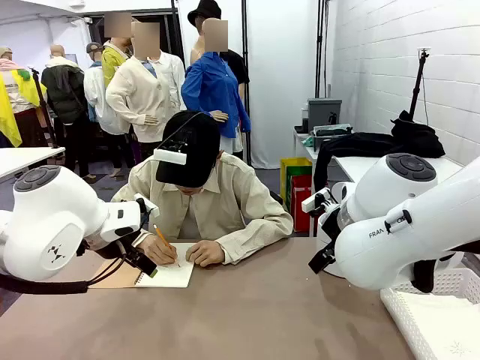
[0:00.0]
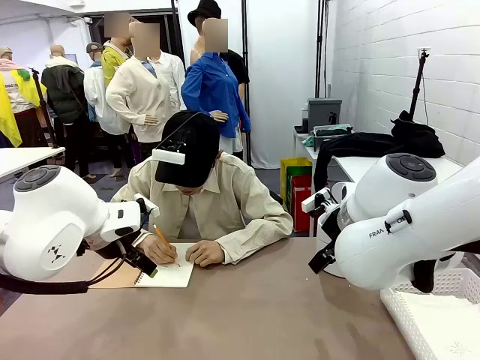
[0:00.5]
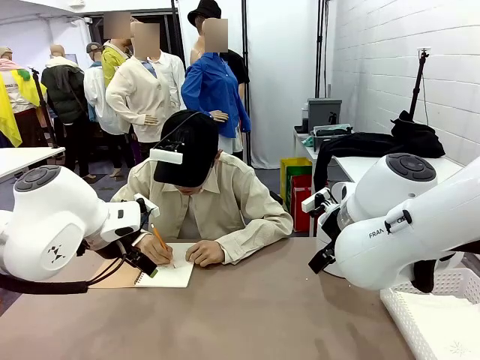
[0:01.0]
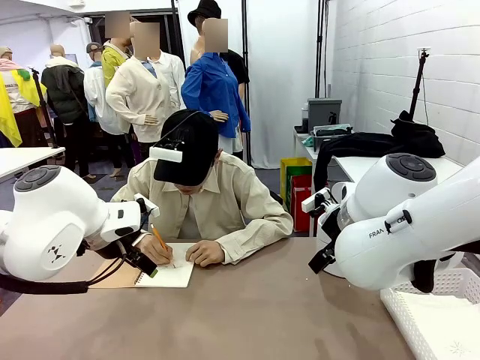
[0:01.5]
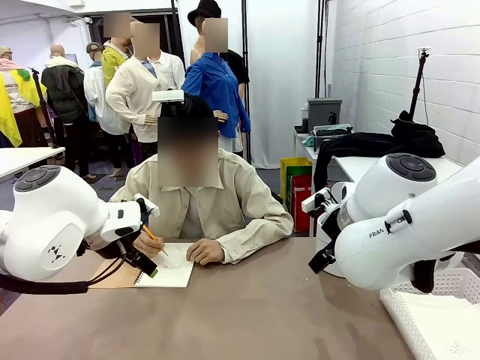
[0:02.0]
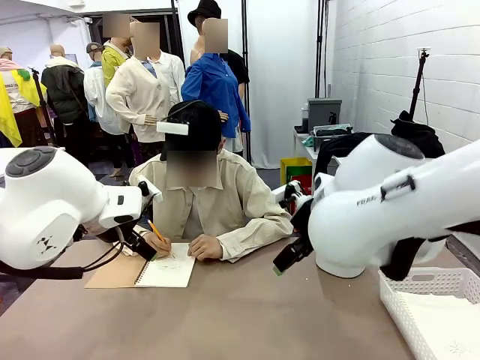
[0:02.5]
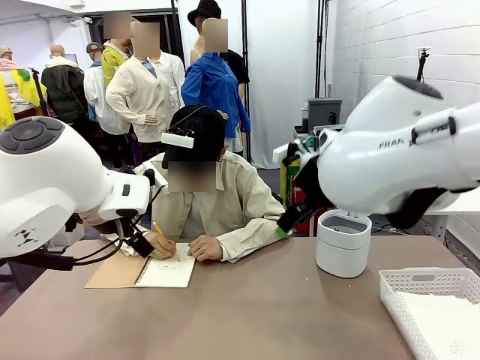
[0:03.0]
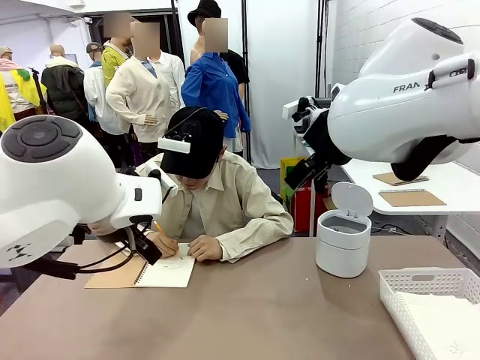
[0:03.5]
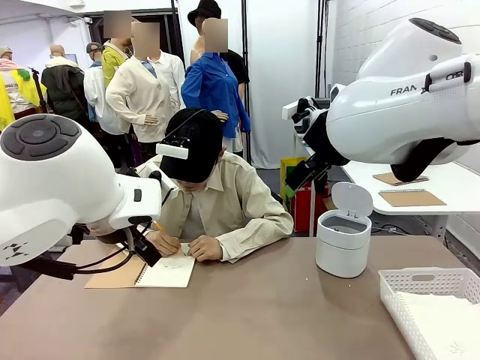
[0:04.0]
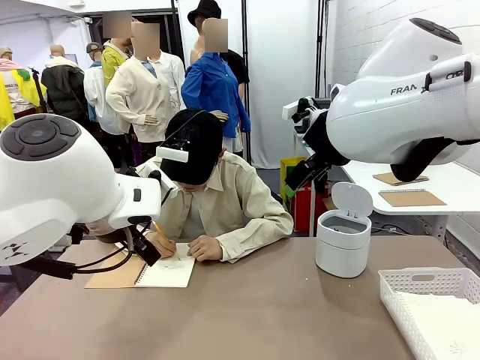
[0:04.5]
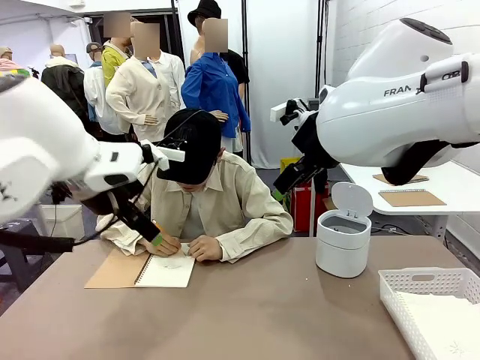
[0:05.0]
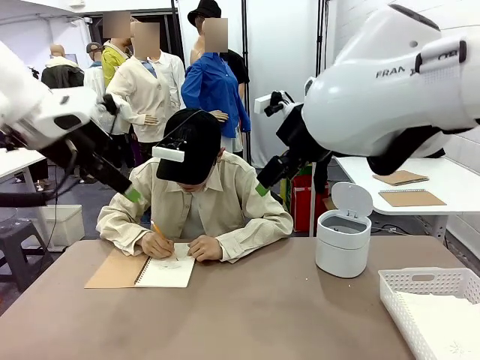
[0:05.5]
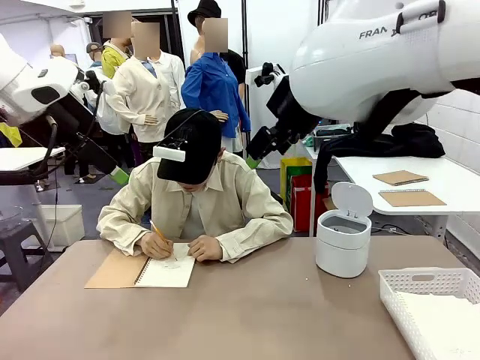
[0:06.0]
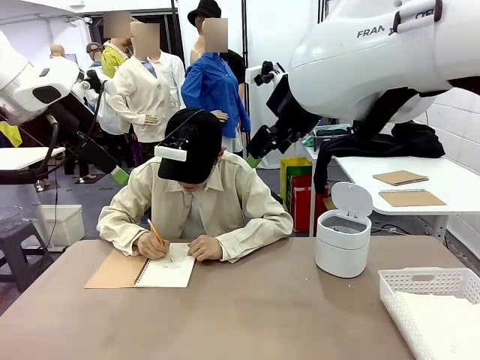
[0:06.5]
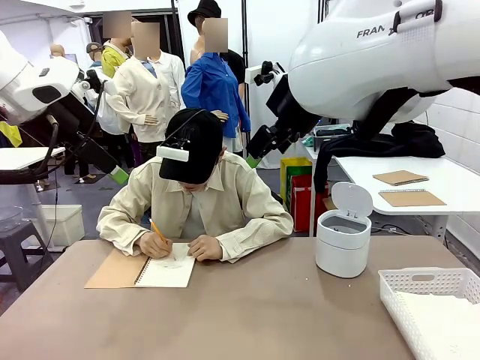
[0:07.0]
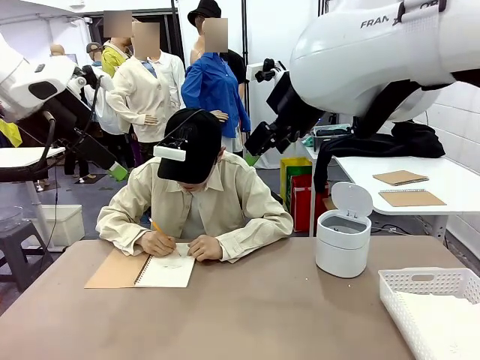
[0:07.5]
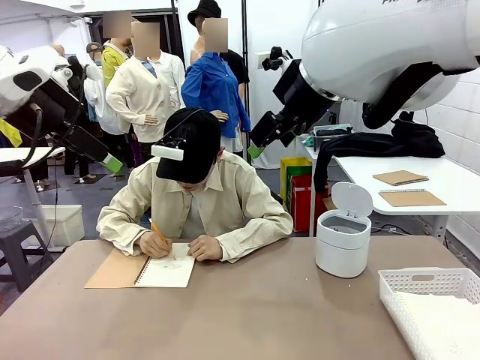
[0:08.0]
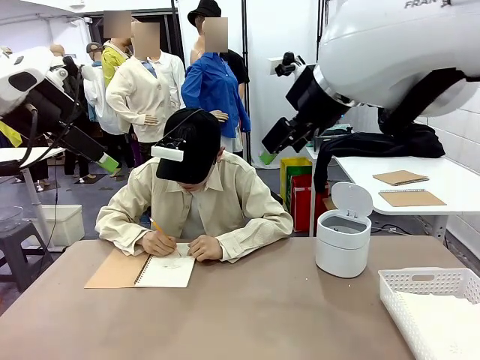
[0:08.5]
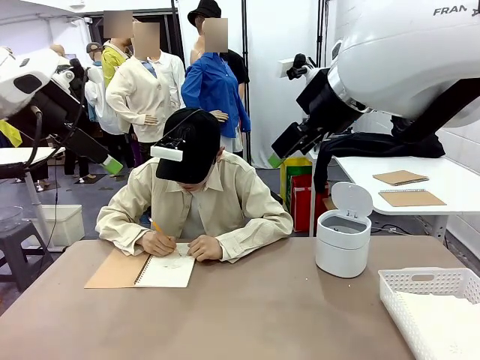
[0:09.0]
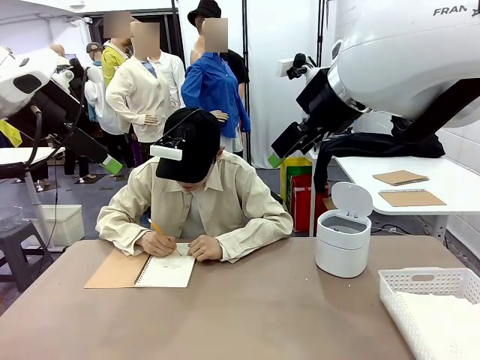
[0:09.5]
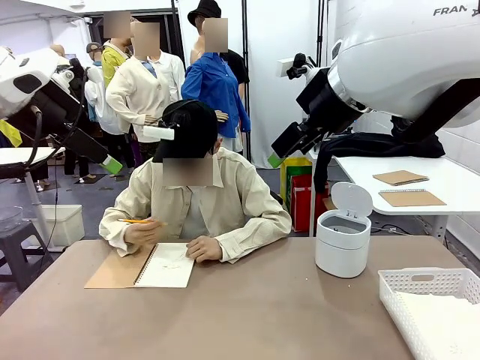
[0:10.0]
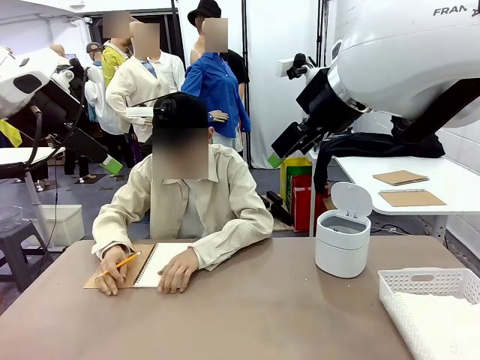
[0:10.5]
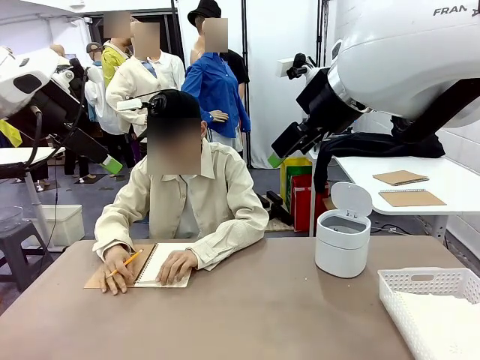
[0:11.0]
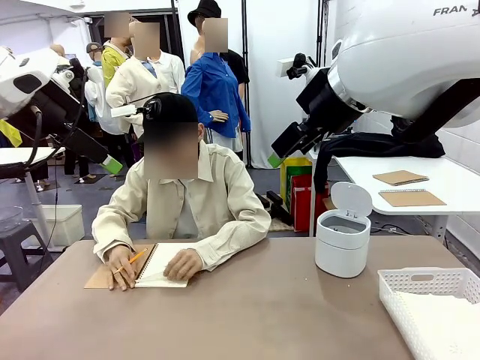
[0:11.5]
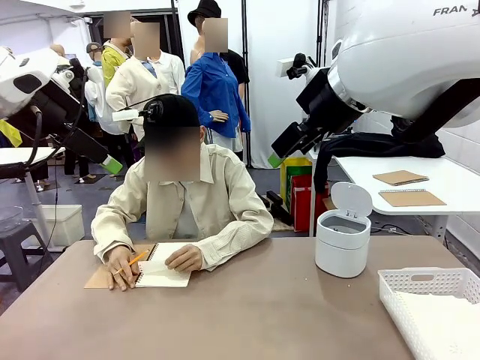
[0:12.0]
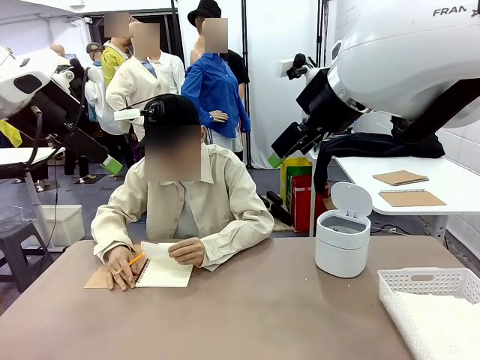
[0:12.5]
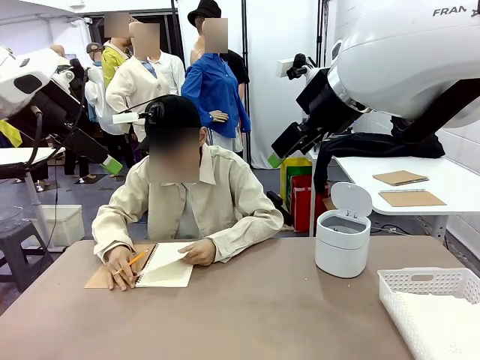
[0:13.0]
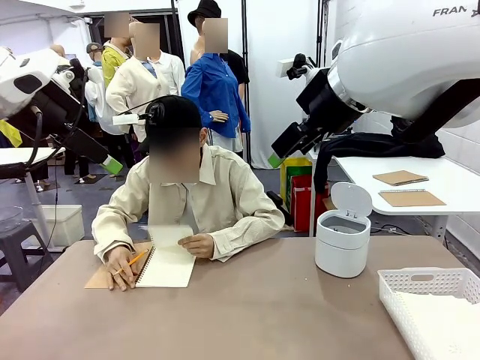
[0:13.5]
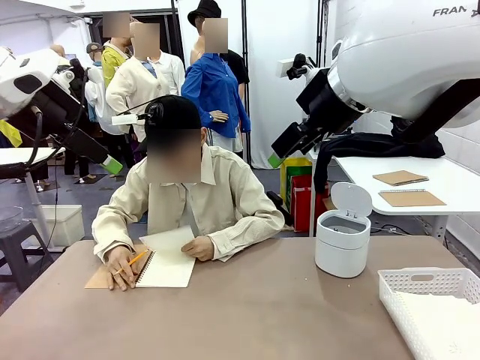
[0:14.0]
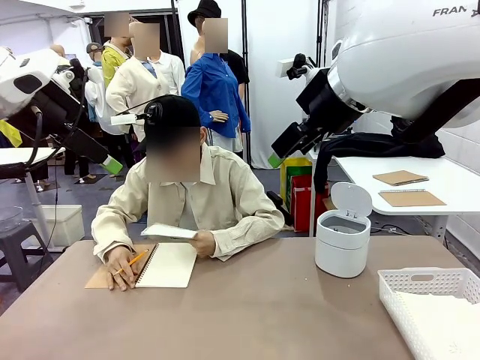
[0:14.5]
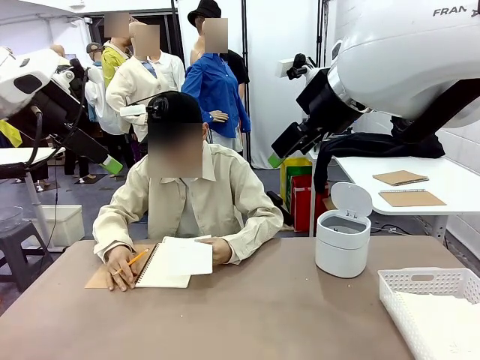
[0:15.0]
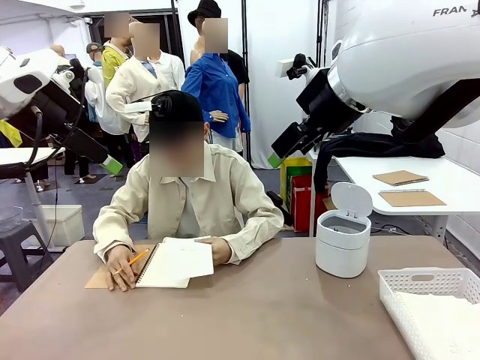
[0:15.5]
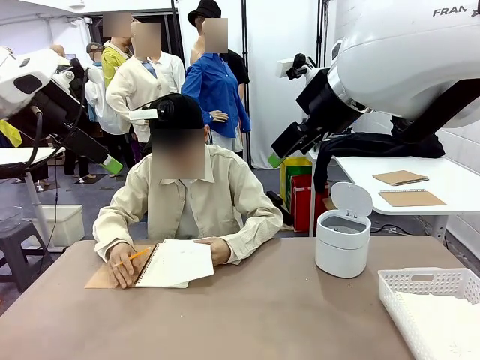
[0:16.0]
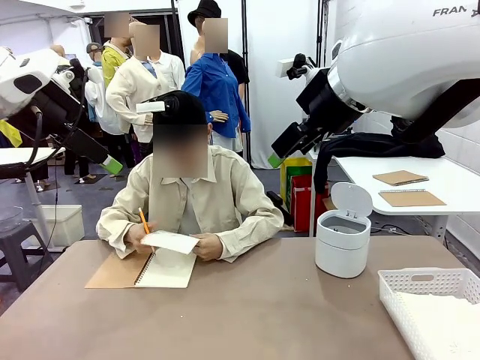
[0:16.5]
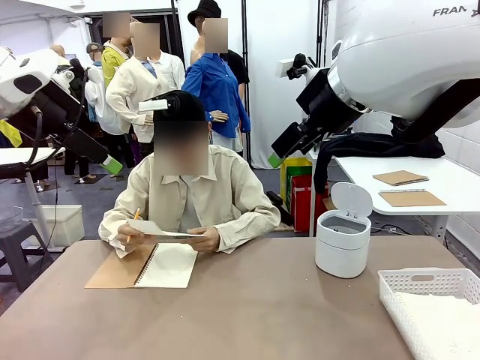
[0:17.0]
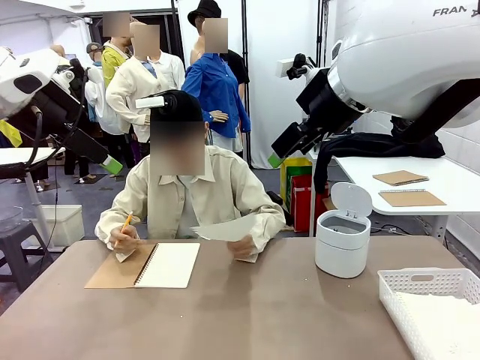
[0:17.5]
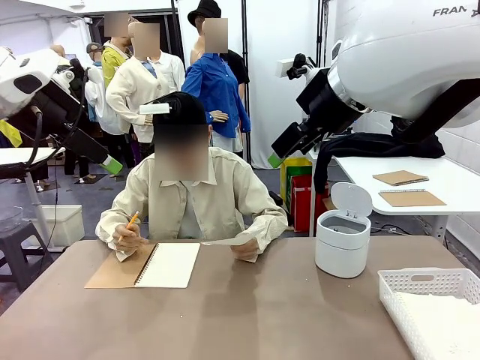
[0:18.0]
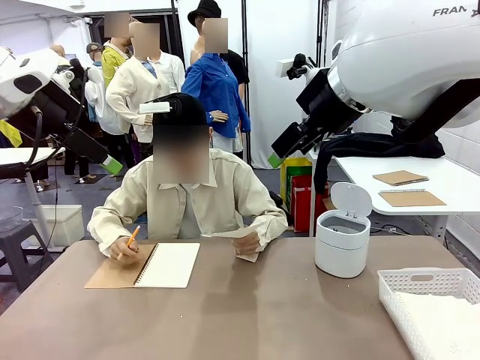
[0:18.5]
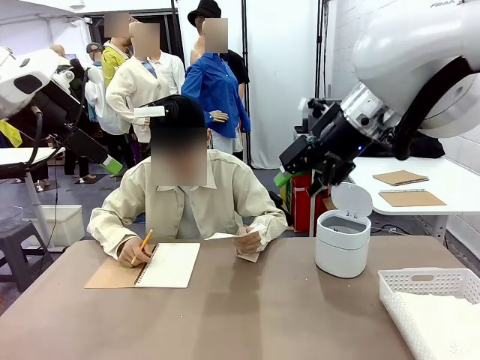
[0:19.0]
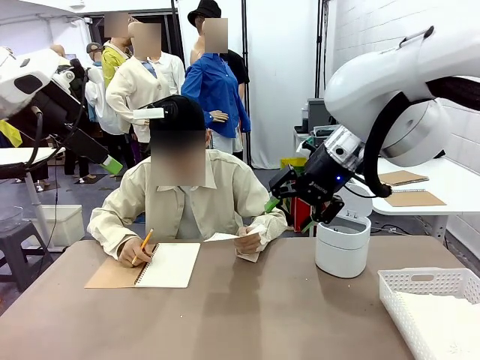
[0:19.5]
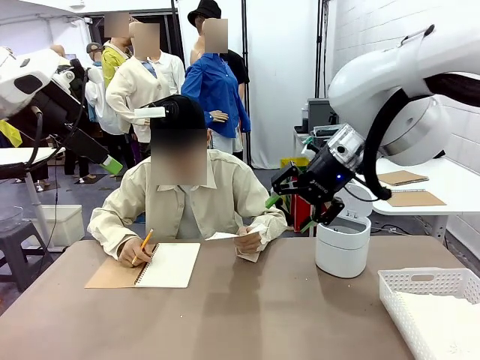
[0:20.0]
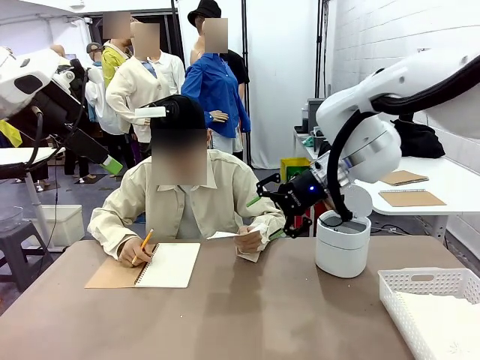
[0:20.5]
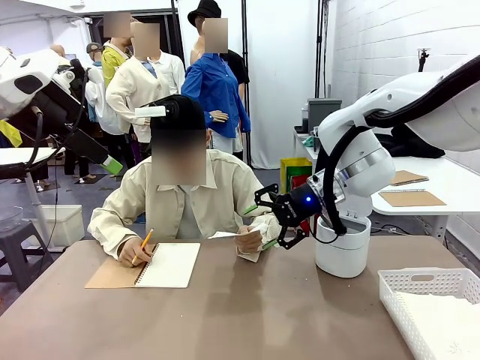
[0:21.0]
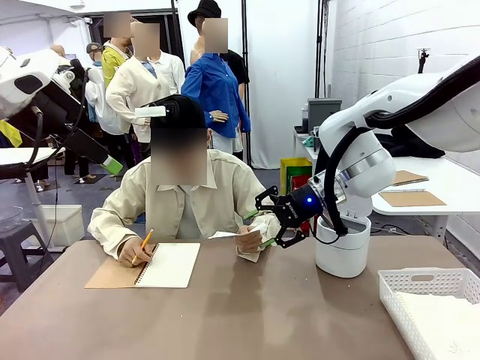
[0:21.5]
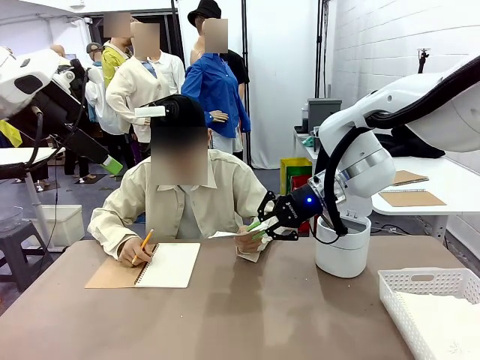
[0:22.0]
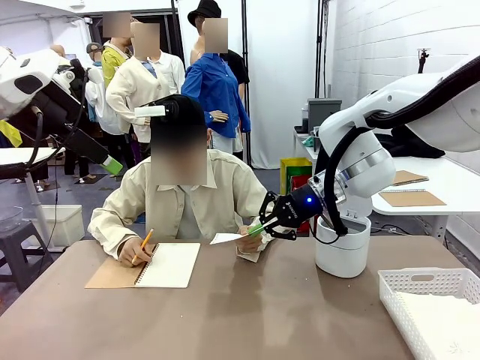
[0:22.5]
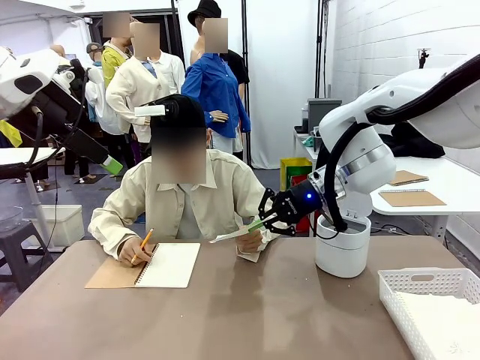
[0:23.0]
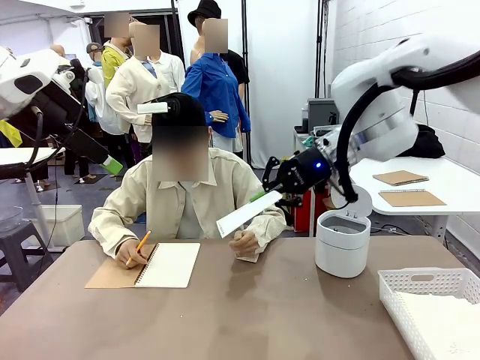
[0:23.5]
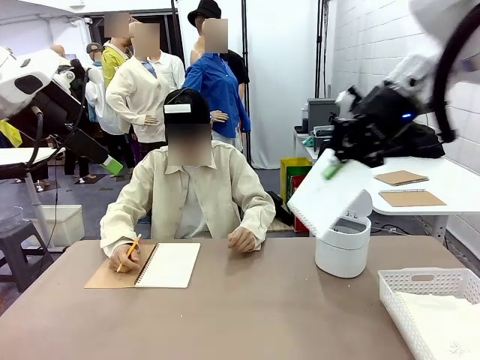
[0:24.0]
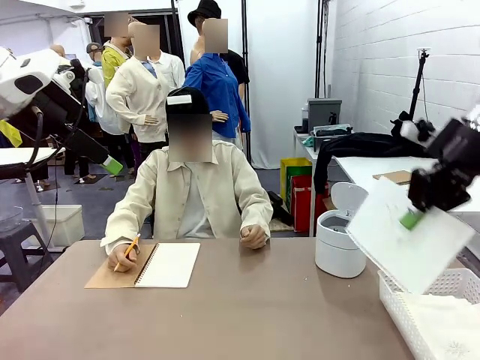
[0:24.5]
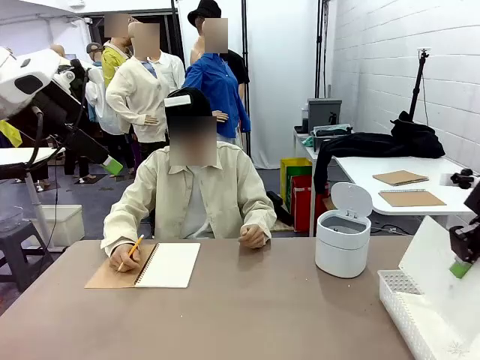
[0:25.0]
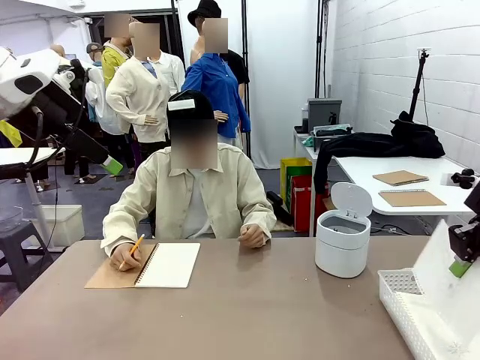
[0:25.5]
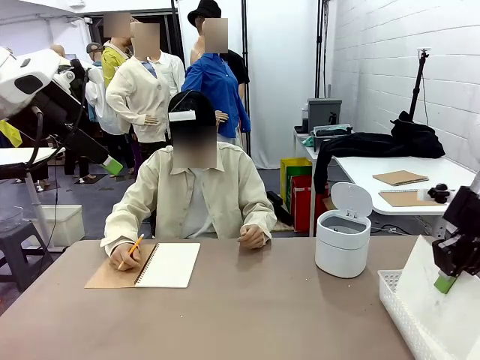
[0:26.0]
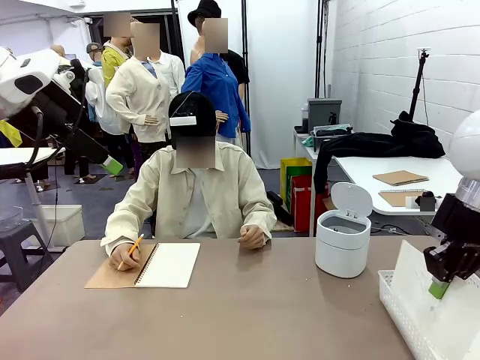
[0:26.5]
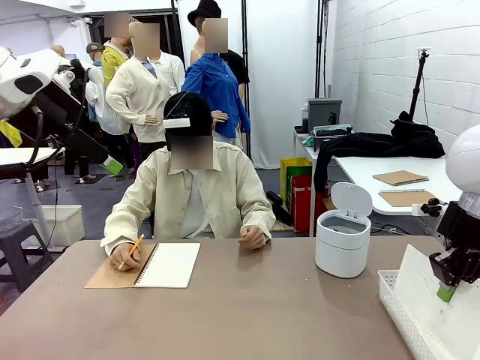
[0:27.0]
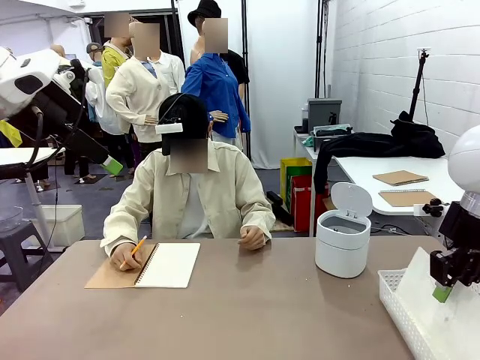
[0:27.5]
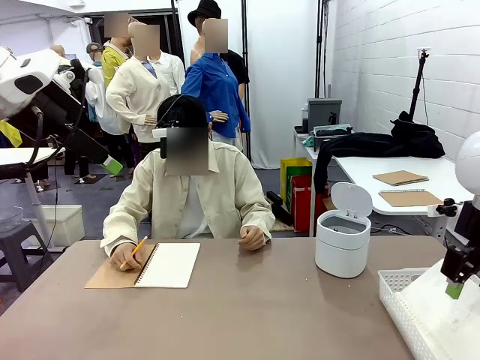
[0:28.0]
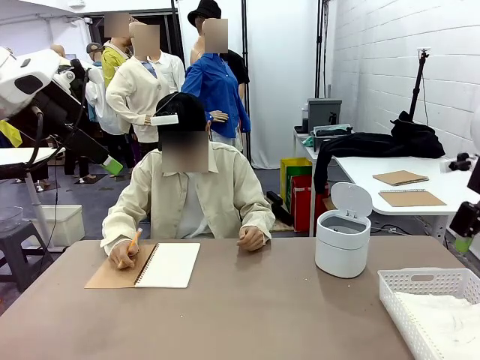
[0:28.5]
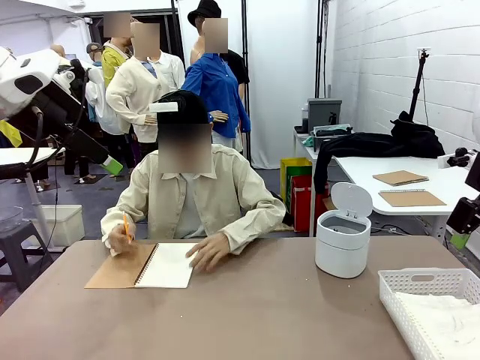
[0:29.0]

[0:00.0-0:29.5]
Task: Sort the paper based on its condition.
Robot: If a person hands you a paper, place it in the Organizing basket , and if it's crumpled, put it in the Trash can.
Person: Tear out a page from the spiral notebook. Hand the torn page to the robot or crumple it and throw it to the center of the table. Tear out a page from the spiral notebook.
